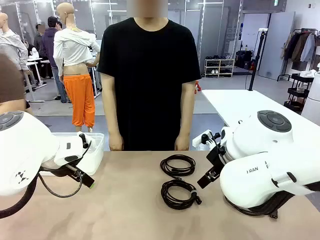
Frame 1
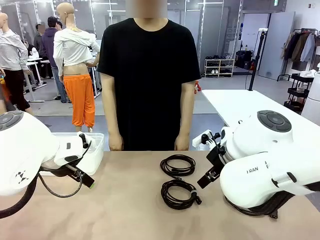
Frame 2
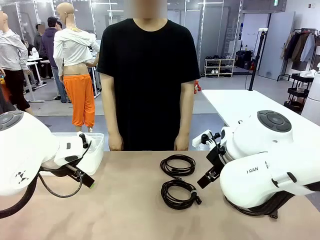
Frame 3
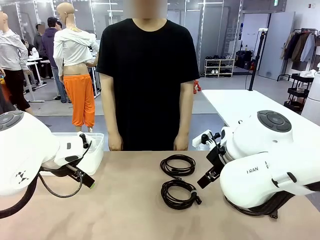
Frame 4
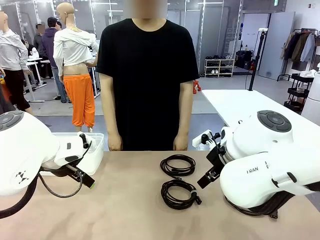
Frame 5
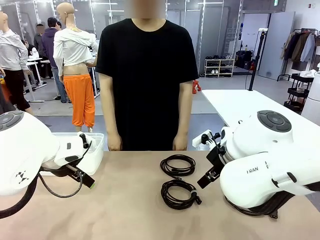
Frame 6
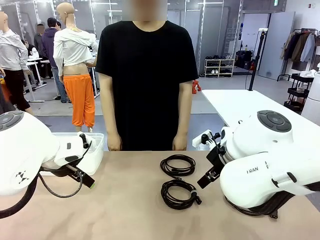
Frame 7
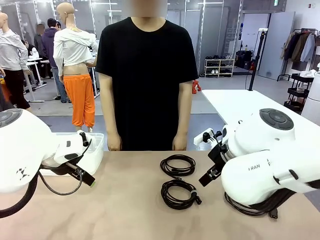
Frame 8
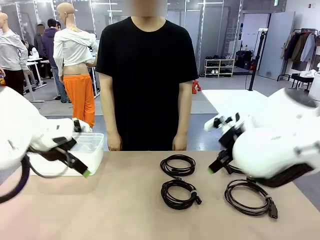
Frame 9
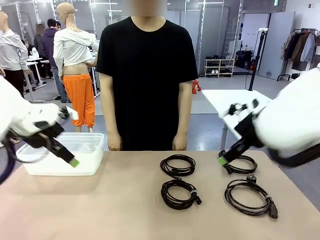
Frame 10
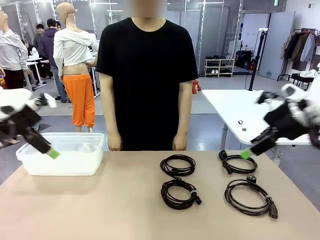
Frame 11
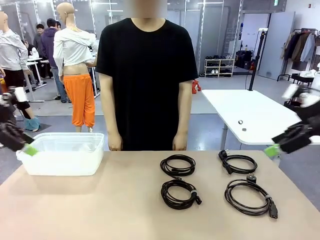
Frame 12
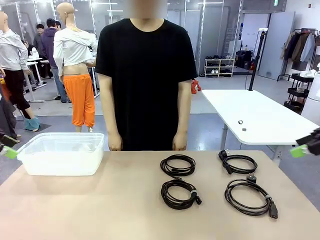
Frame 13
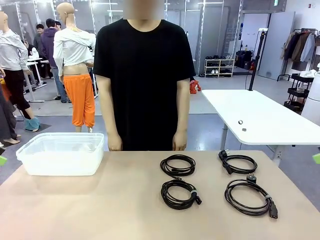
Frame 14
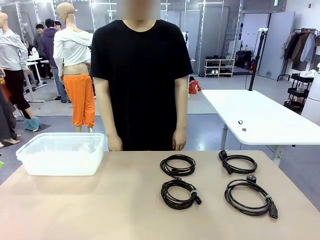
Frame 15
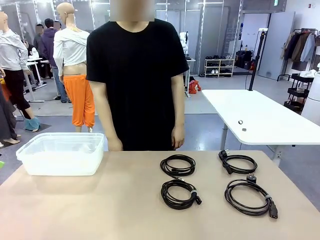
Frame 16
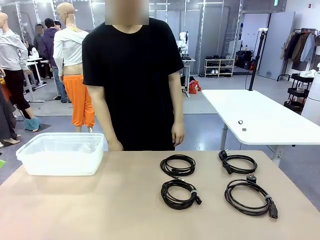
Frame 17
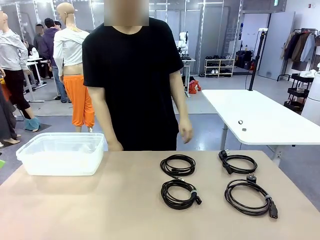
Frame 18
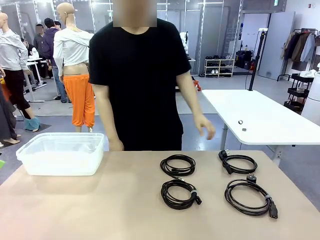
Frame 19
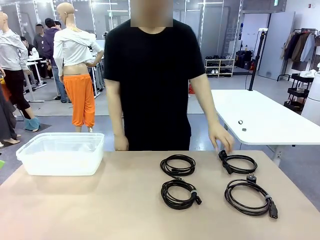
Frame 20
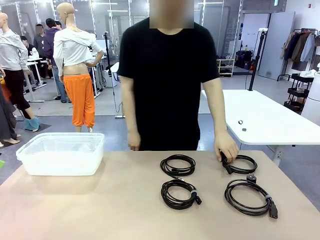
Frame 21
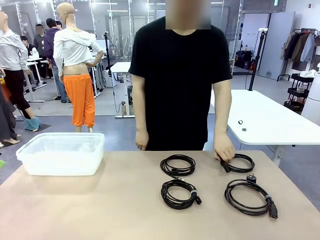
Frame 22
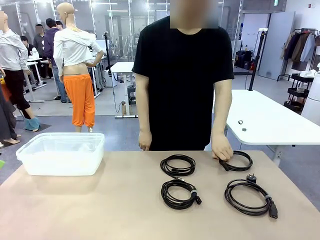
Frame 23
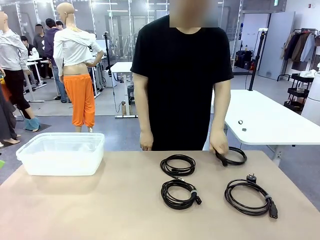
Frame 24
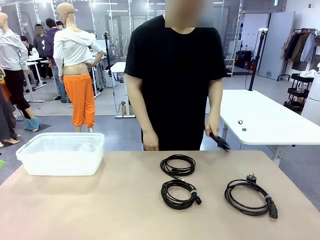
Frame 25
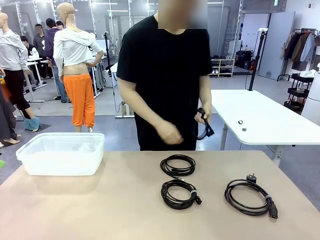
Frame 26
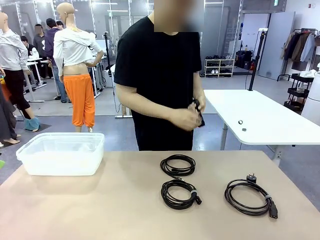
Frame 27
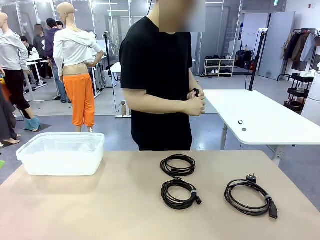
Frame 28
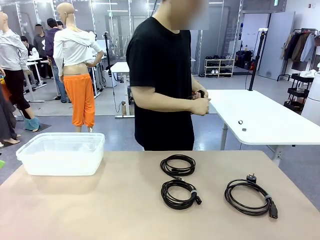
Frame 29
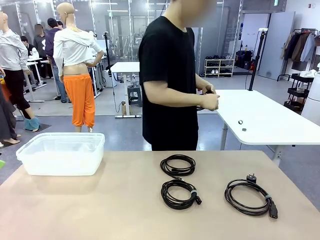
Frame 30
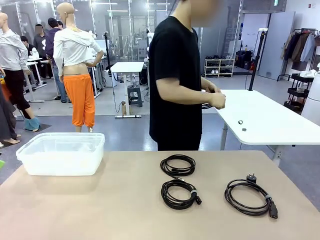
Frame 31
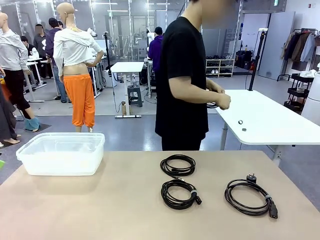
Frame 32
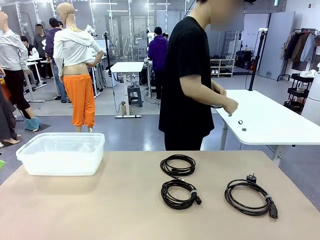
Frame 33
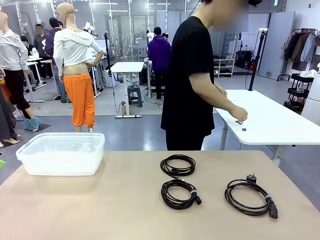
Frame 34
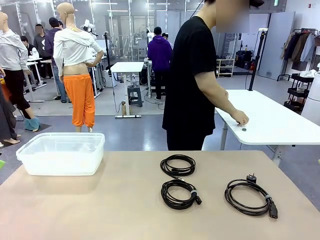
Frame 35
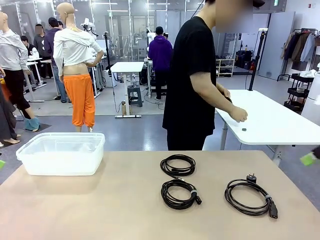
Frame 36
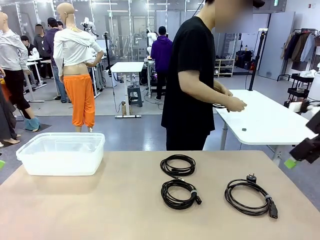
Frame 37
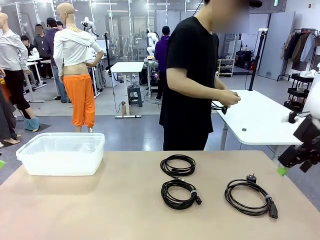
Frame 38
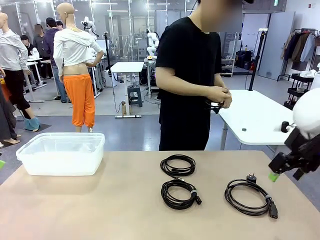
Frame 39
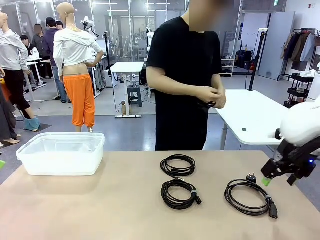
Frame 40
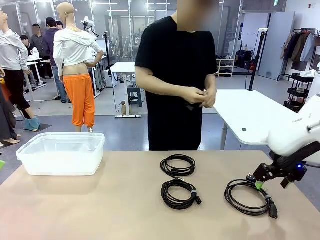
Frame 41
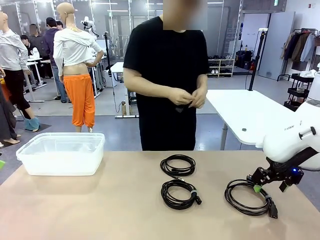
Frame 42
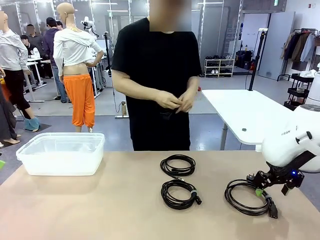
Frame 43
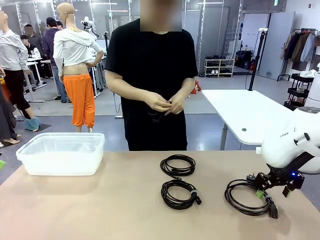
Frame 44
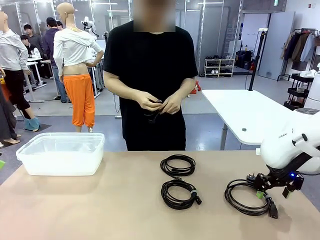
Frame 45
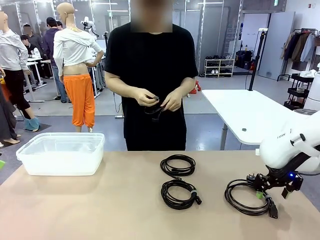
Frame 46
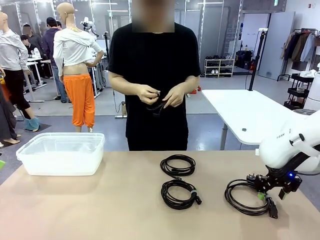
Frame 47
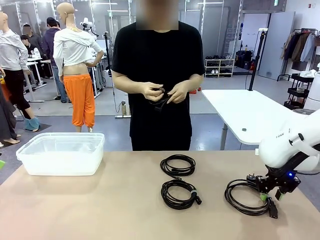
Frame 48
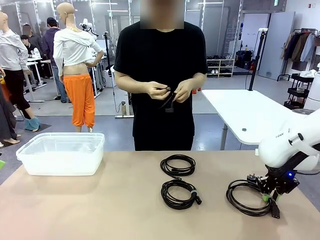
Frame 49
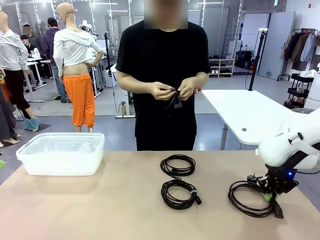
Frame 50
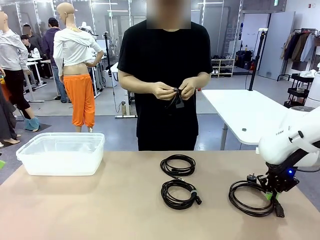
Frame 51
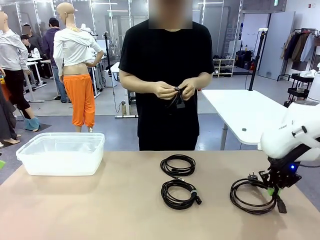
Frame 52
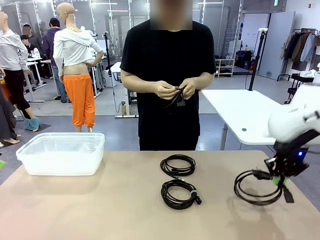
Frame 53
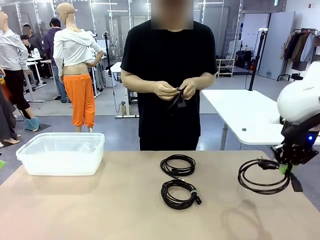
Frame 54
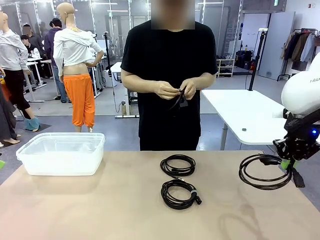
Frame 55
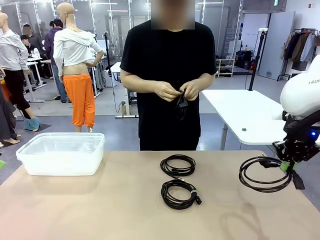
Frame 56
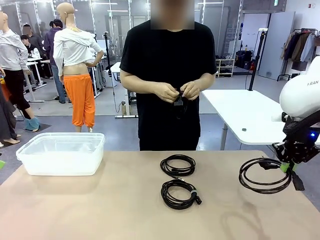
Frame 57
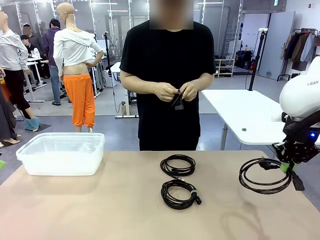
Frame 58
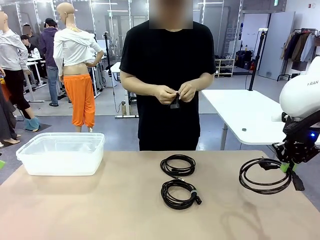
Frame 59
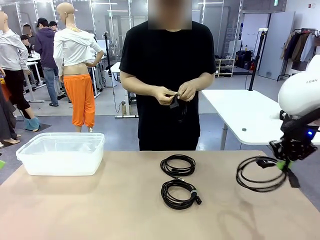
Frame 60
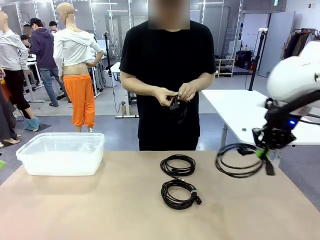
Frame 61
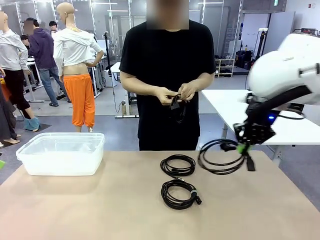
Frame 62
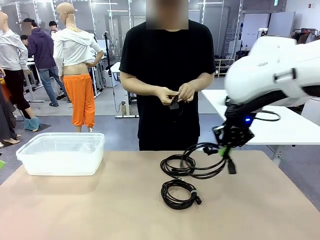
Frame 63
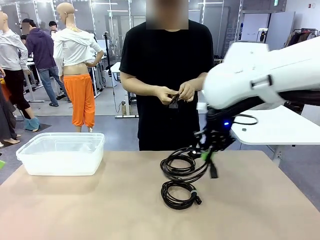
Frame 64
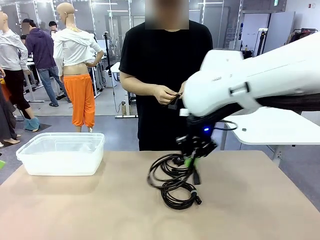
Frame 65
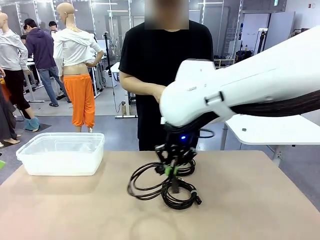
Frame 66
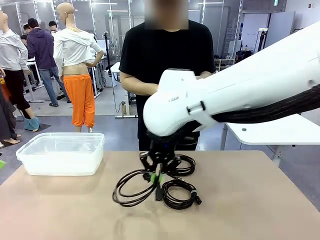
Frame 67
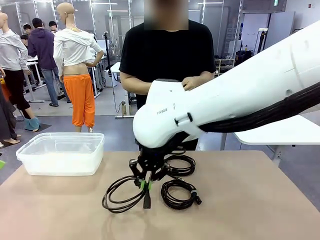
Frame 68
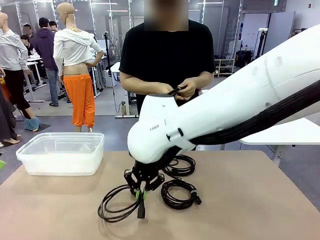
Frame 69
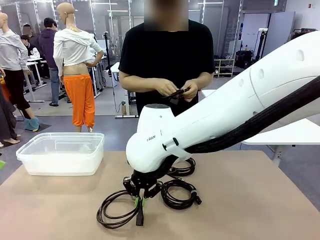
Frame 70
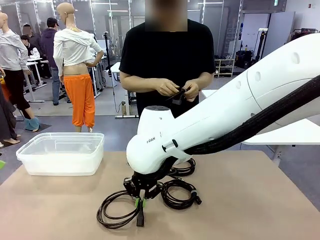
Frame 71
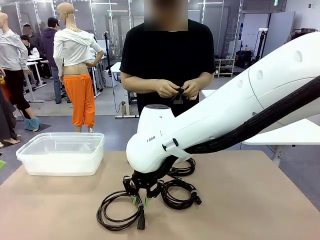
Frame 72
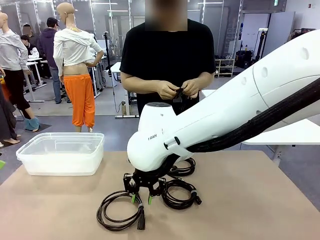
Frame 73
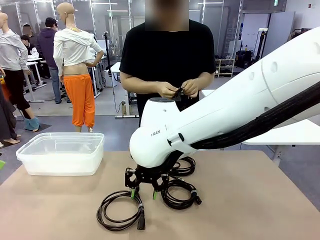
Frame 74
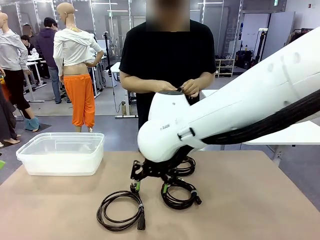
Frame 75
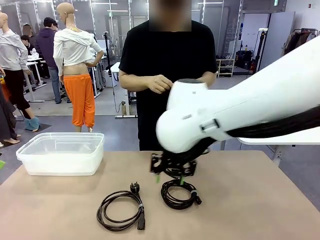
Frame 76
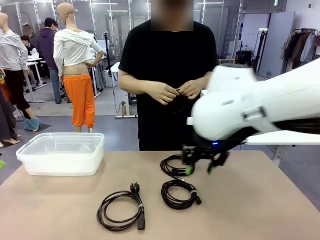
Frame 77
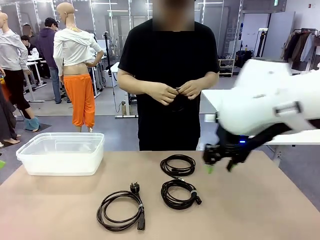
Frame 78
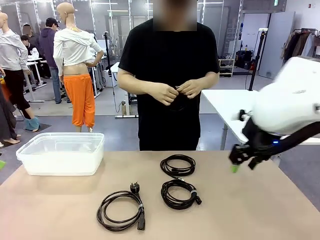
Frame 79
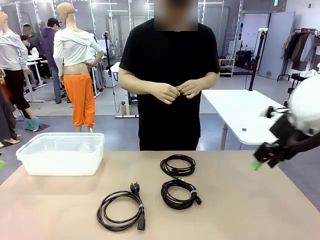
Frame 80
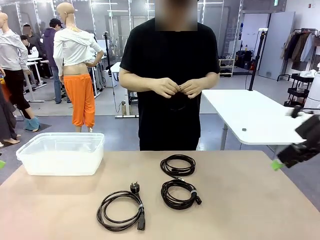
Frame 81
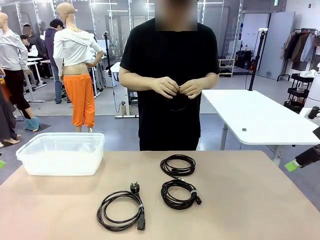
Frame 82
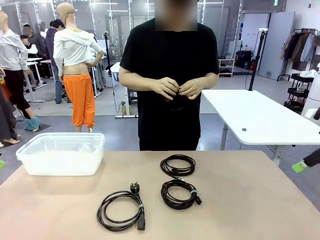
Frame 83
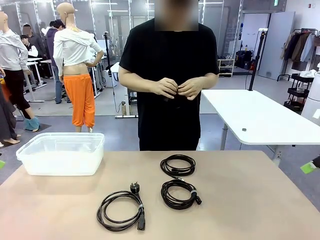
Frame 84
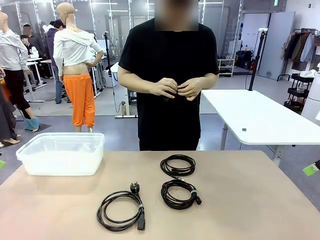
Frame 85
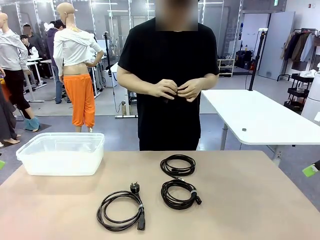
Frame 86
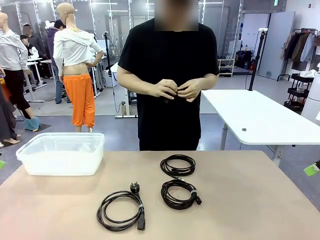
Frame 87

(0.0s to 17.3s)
Task: Organize and store the cables.
Robot: Place the Power Cable into the Organizing box.
Person: Tie one Power Cable with a Reusable Cable Tie.
